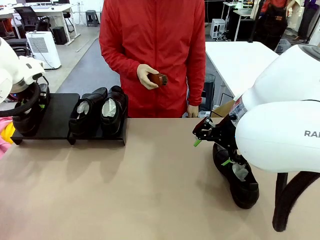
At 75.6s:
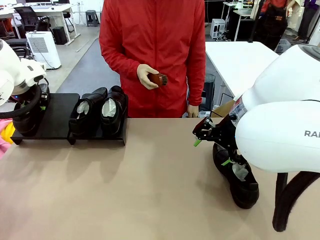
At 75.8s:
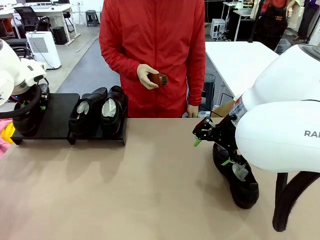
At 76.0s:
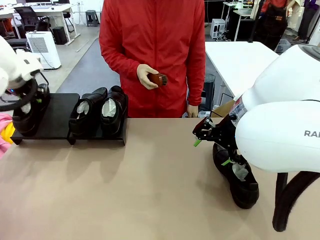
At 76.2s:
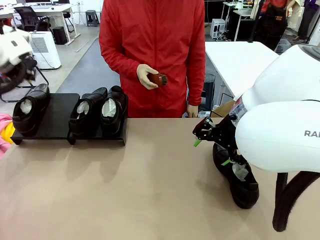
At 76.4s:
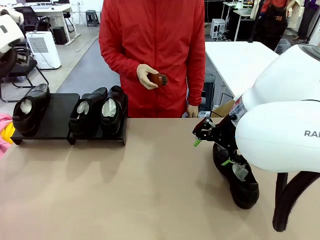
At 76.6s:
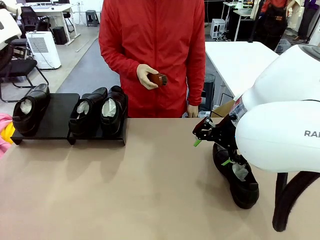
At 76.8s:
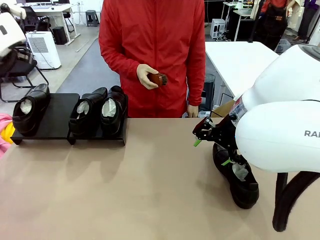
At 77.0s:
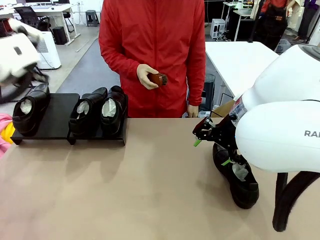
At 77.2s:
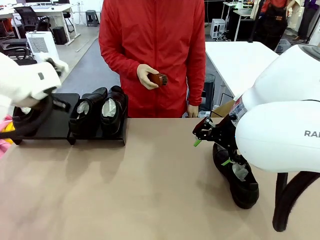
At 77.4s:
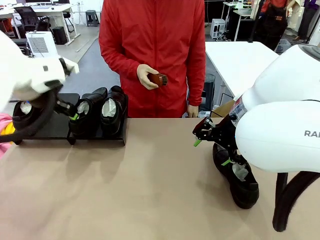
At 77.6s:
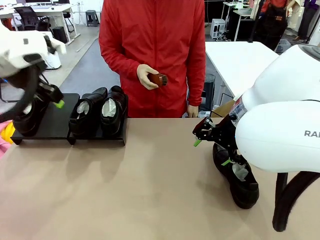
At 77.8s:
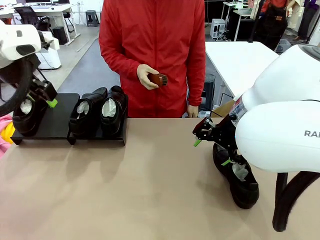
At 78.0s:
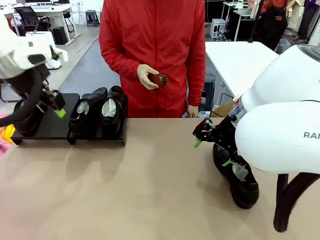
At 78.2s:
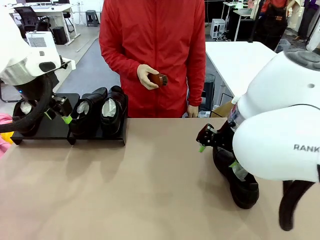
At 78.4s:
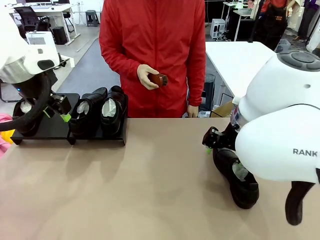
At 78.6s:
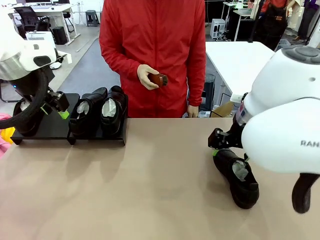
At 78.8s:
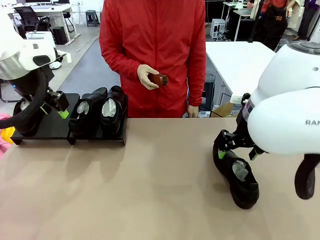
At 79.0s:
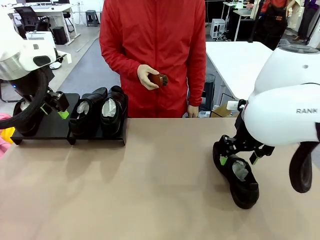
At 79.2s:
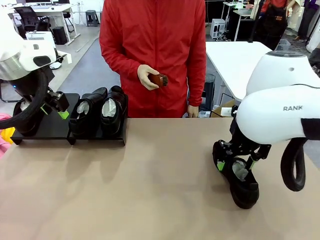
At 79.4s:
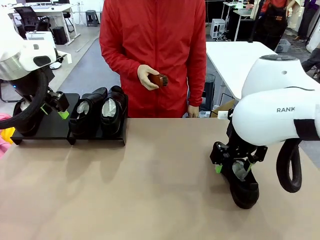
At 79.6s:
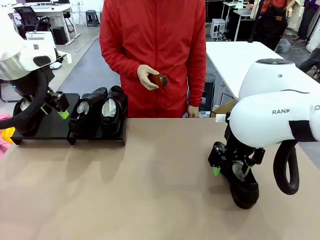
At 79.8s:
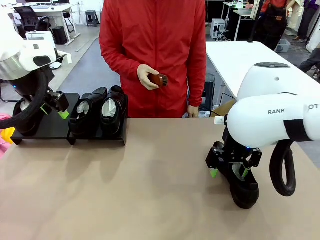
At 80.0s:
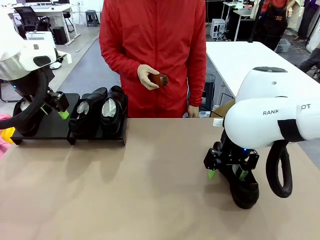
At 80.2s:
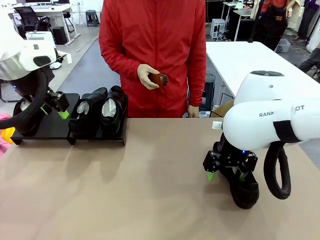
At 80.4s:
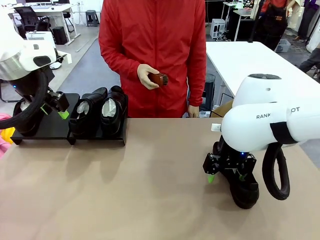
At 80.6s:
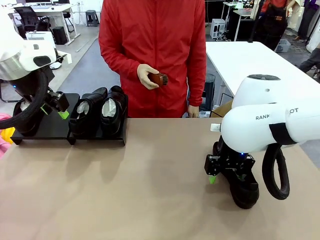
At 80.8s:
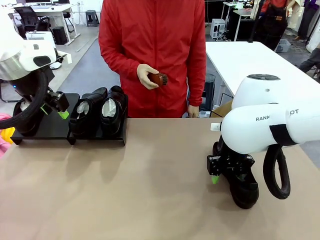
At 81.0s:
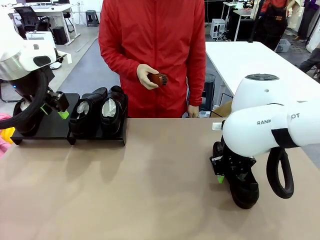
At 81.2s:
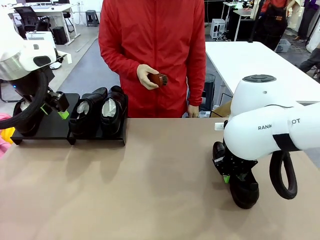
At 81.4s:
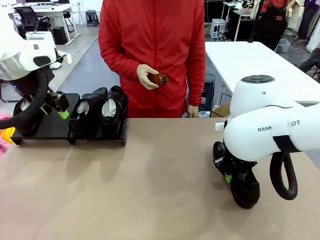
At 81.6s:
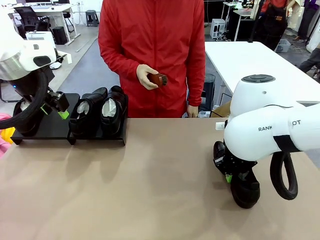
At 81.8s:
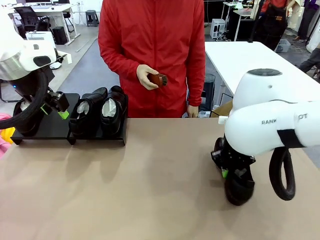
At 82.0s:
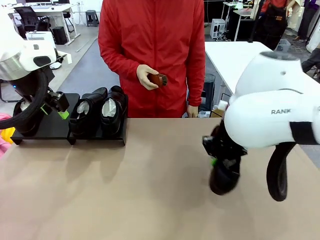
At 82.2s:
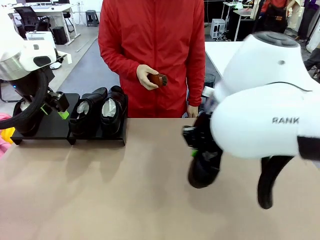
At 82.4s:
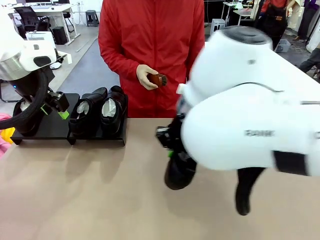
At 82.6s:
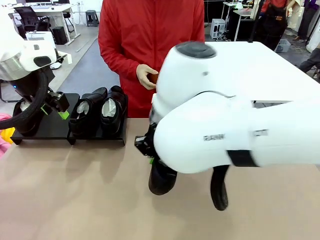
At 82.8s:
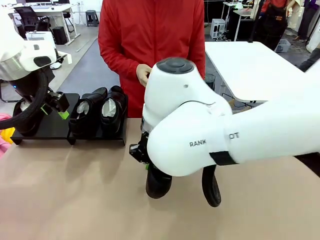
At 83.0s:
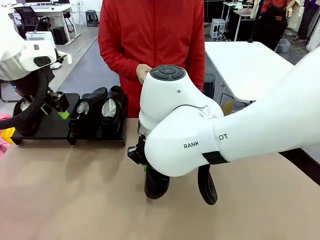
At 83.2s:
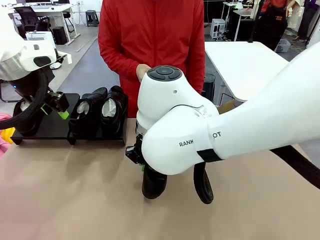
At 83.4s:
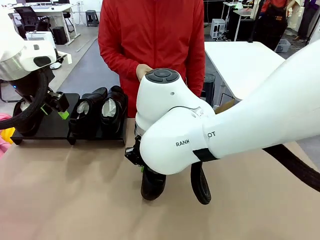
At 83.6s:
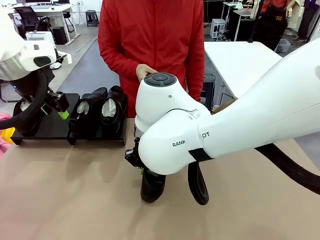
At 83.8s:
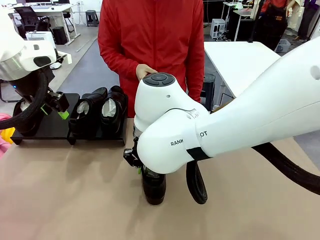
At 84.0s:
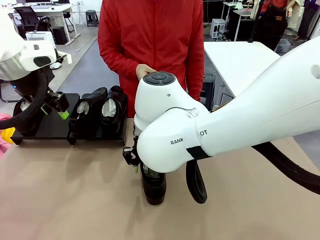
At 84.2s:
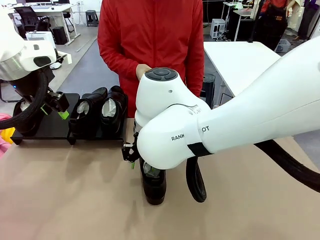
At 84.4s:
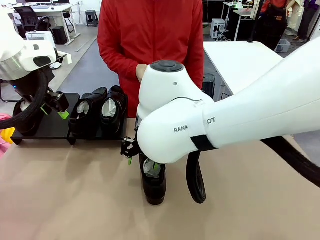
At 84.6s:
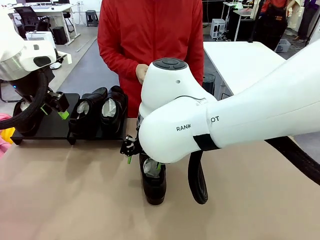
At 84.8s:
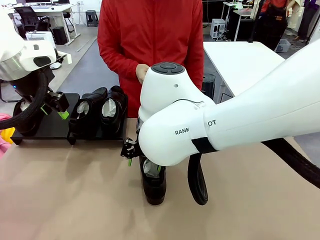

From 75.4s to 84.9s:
Task: Organize the shoes by placing them on the stand.
Robot: Pick up one Shoe and place it in the middle of the table.

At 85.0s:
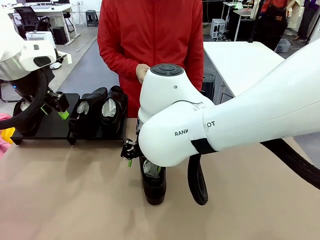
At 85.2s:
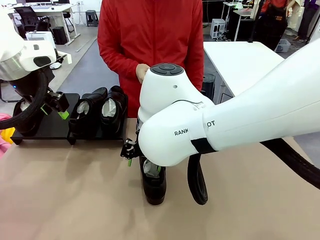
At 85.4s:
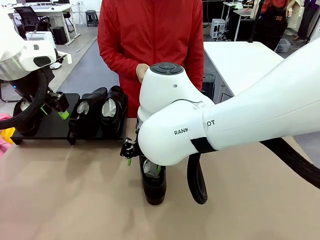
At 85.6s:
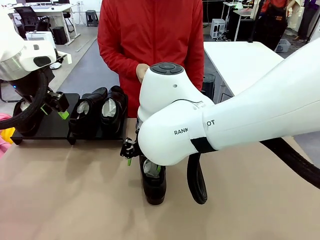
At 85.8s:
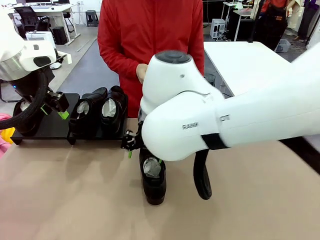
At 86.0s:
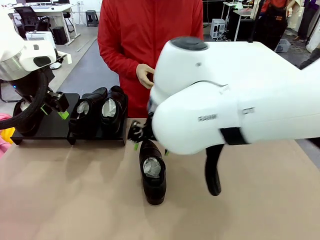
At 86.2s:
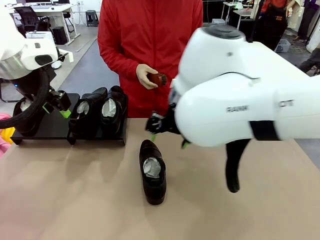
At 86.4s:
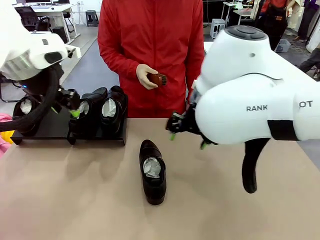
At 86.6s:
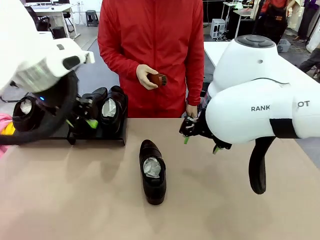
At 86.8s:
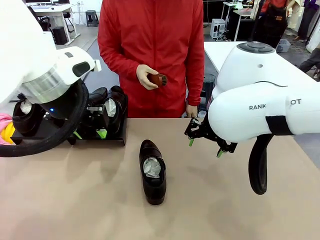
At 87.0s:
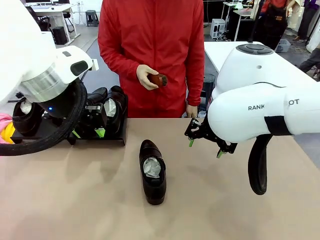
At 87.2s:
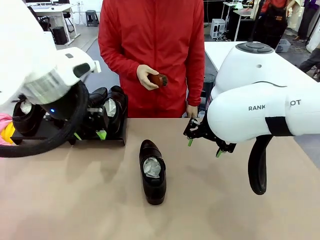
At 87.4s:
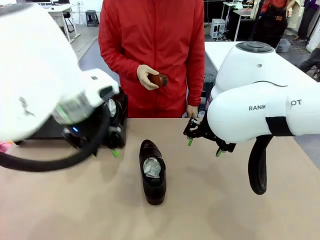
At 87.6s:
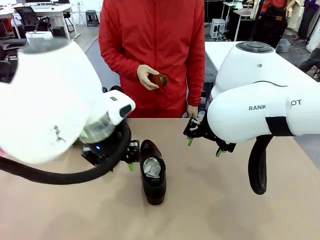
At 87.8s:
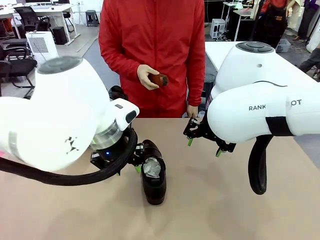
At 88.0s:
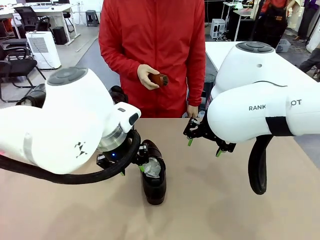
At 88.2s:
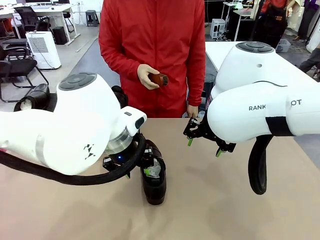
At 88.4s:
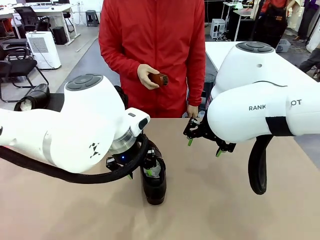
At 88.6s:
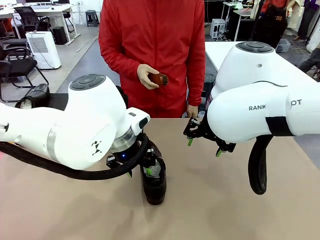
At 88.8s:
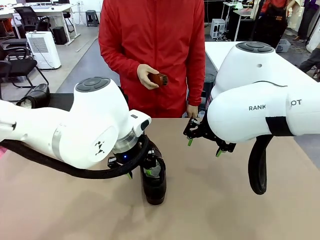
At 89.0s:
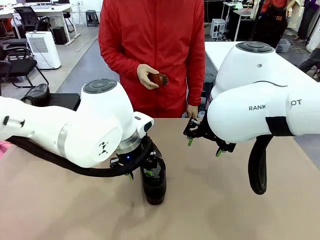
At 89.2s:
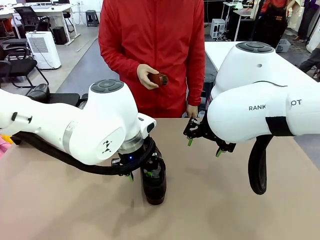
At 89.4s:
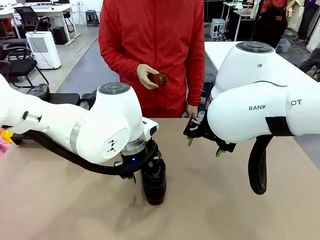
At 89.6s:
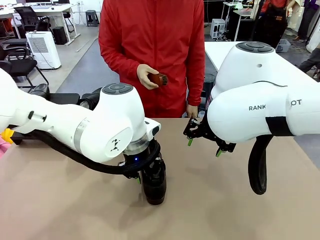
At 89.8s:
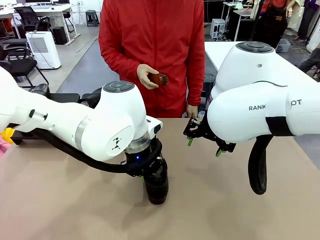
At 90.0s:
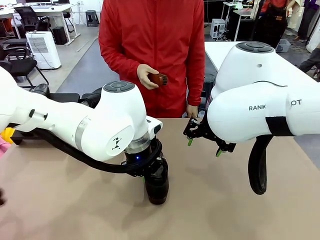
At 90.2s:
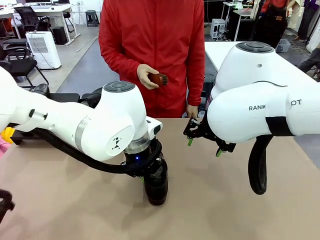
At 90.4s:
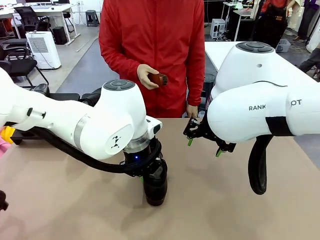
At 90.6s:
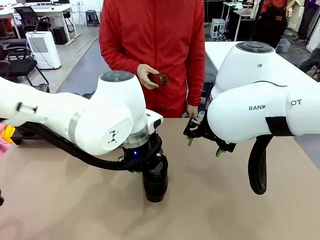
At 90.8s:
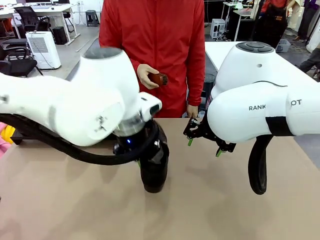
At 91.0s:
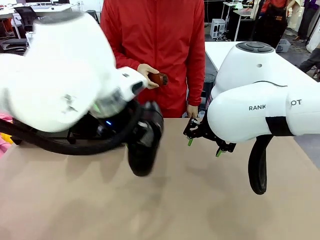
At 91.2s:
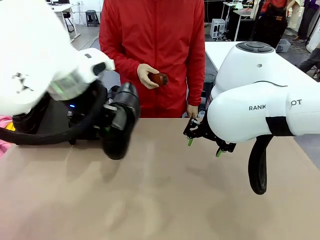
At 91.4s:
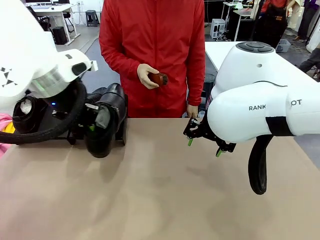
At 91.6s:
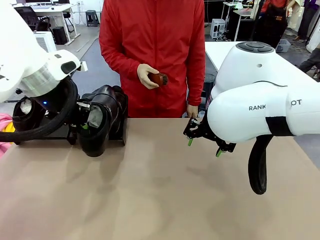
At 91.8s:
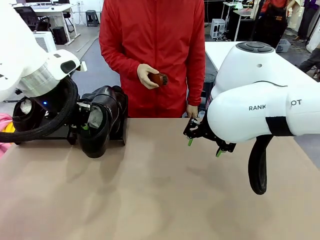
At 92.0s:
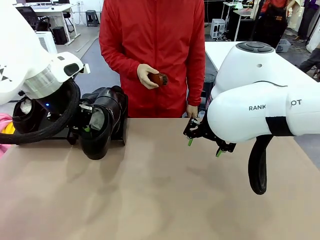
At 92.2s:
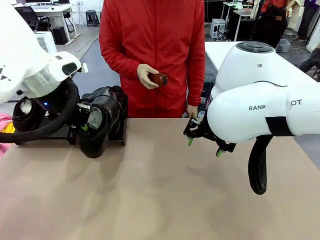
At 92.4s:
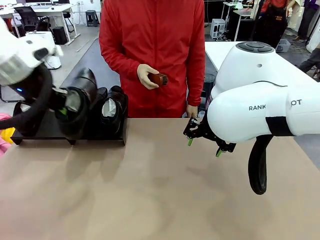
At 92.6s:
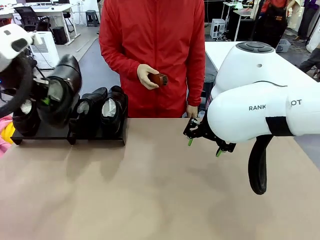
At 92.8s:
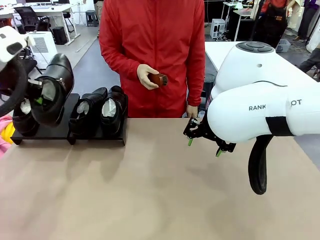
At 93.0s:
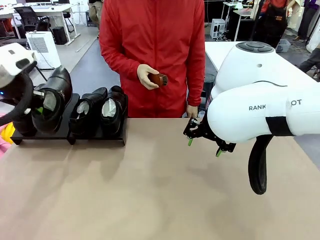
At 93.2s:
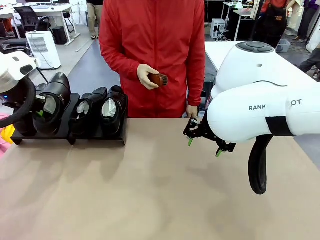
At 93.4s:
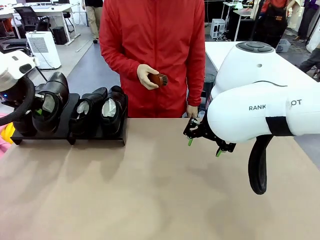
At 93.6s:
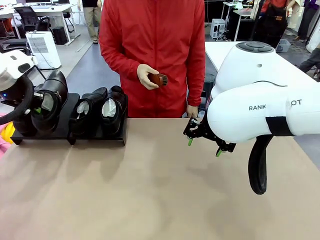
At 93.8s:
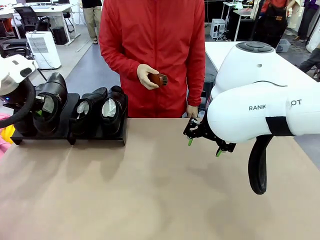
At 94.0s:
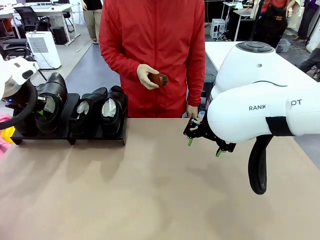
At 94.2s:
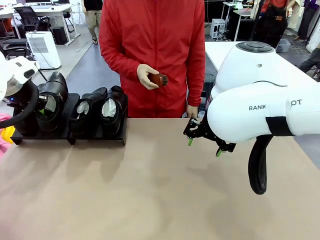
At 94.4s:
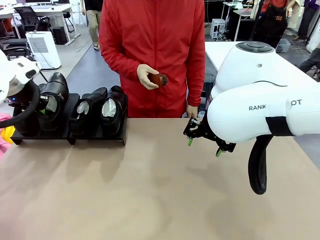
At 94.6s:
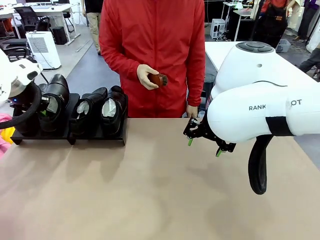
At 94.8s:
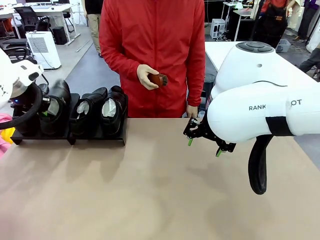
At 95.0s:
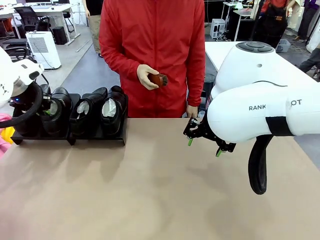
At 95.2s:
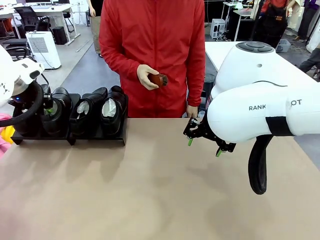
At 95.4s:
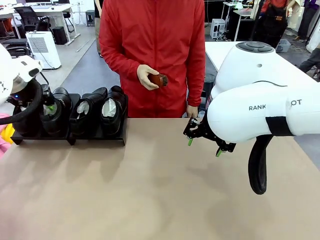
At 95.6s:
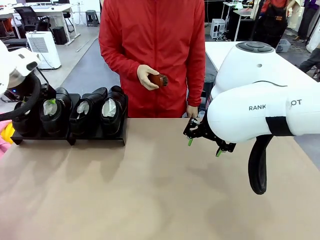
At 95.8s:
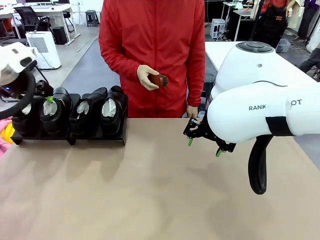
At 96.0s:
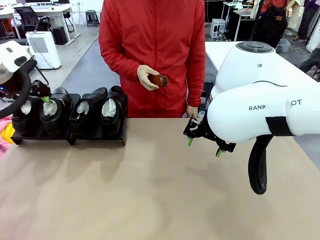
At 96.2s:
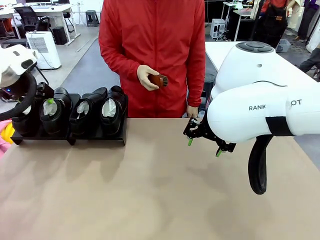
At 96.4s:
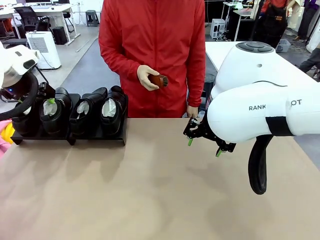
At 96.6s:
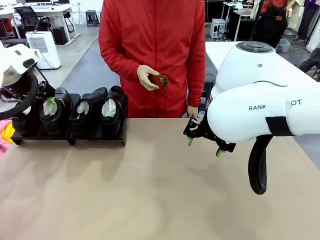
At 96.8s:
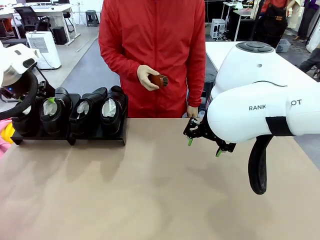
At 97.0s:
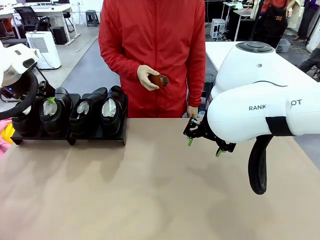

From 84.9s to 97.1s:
Robot: Place the Shoe from the middle of the table onto the Shoes Stand.
